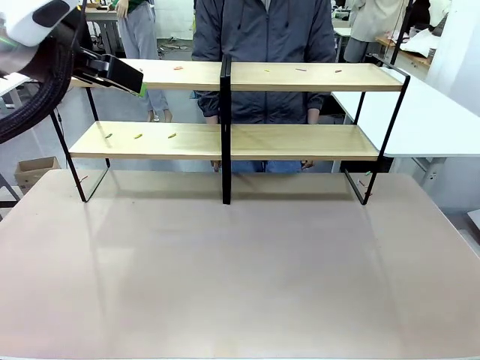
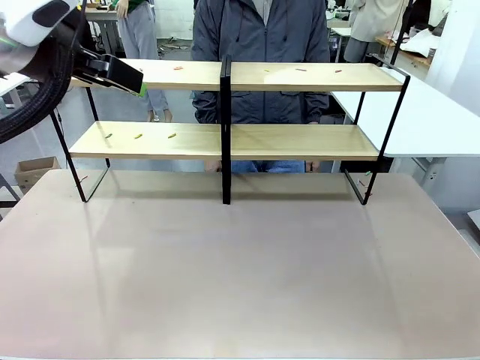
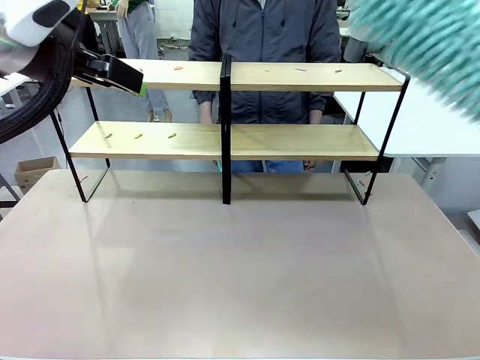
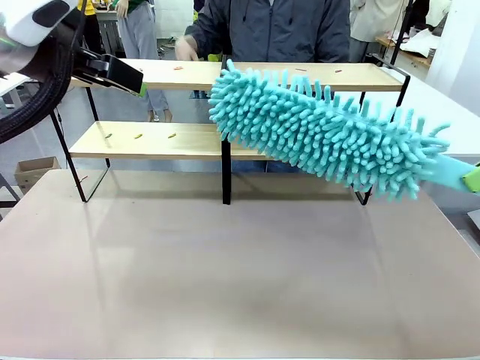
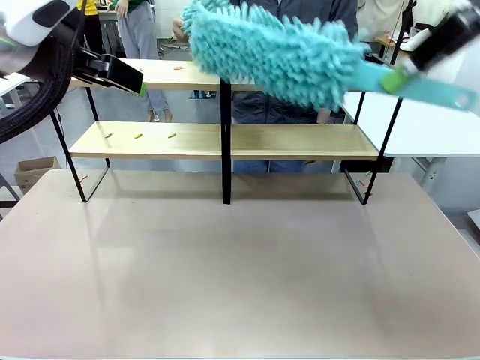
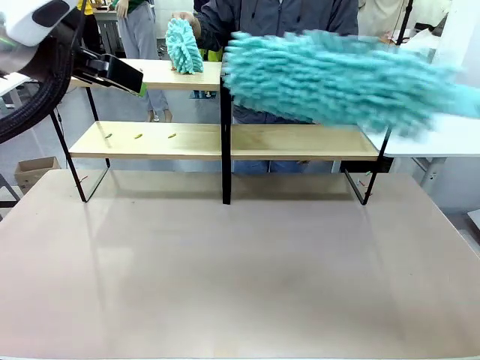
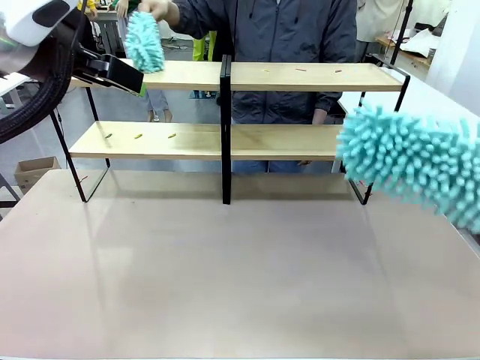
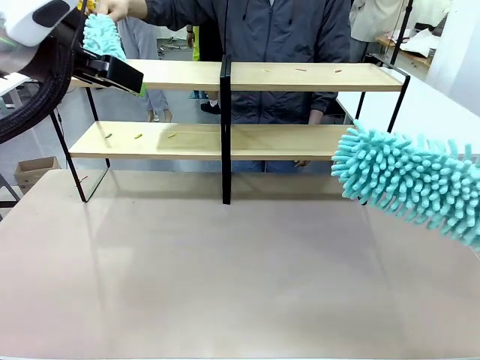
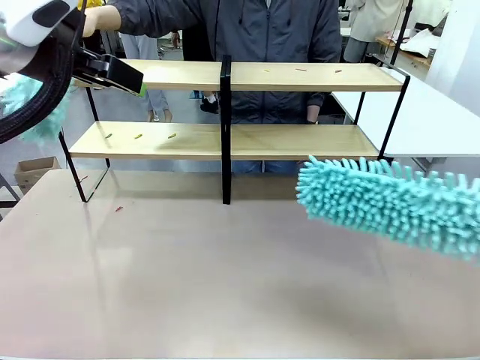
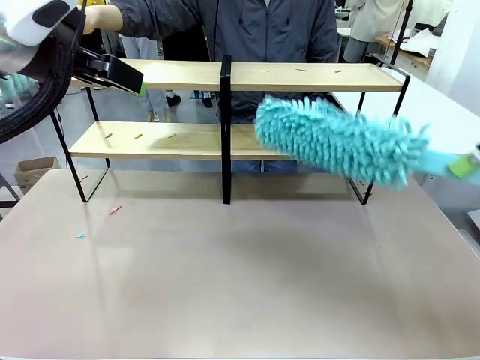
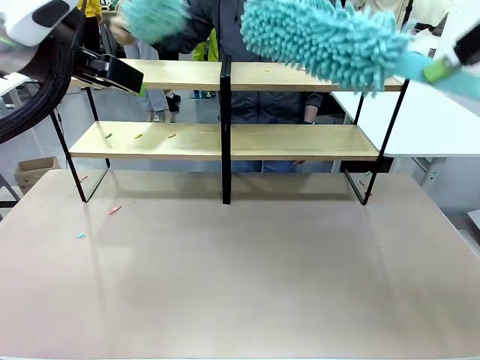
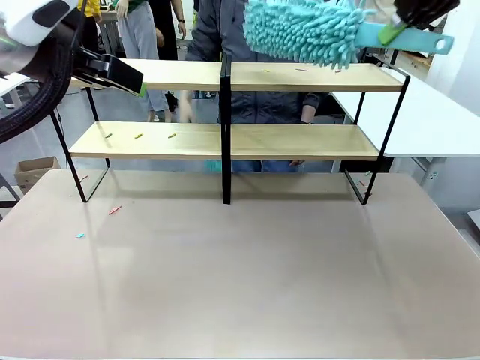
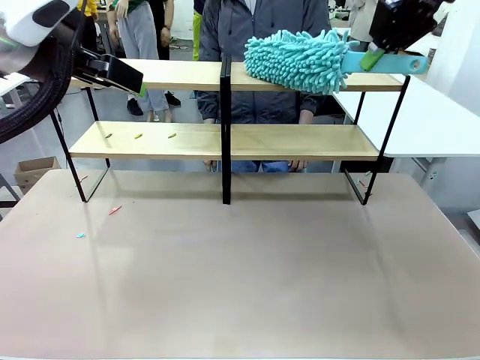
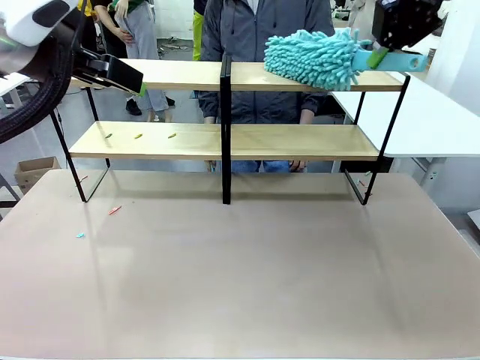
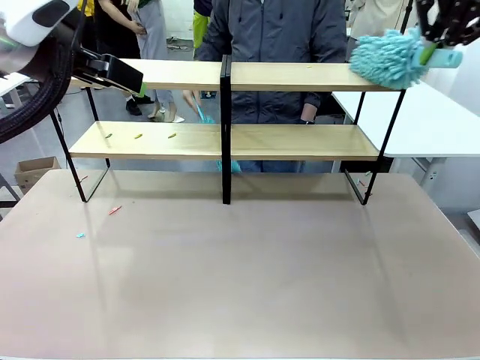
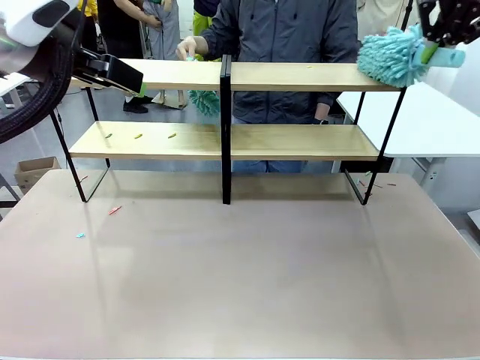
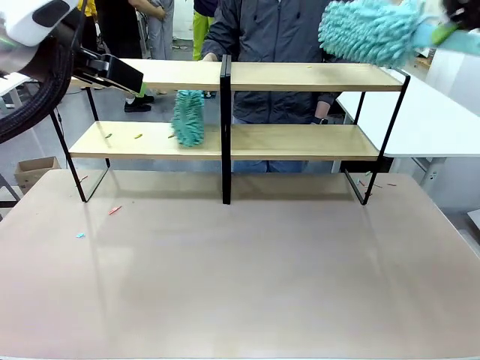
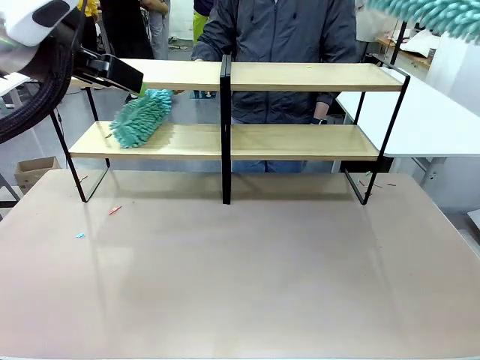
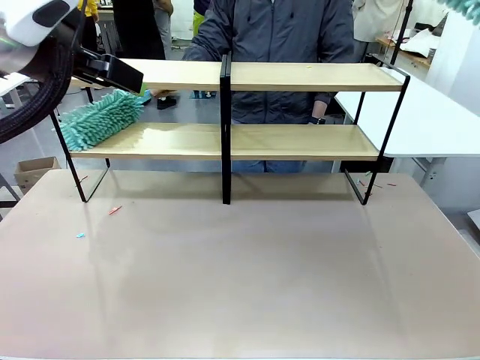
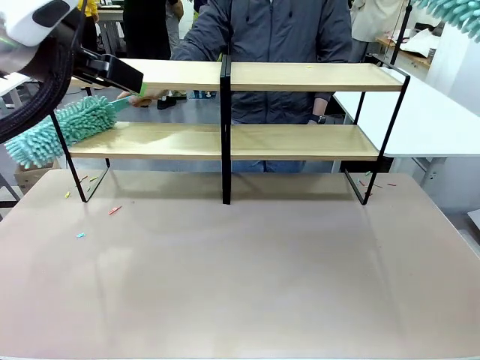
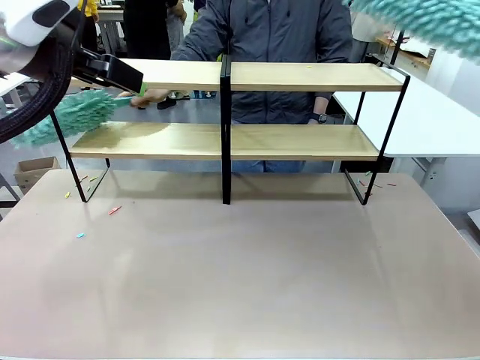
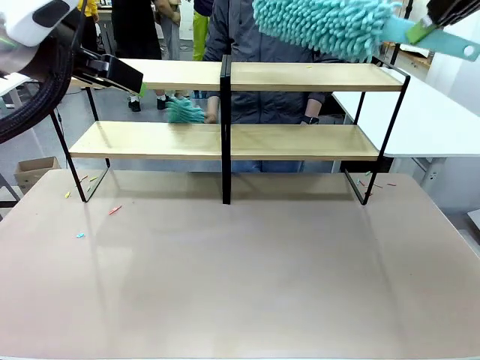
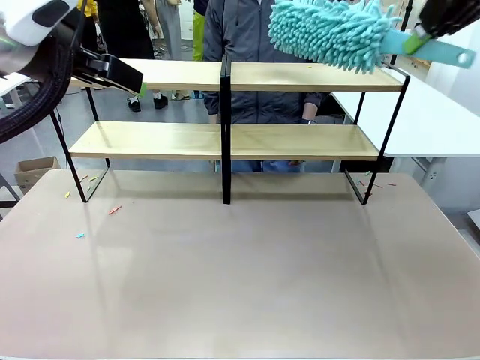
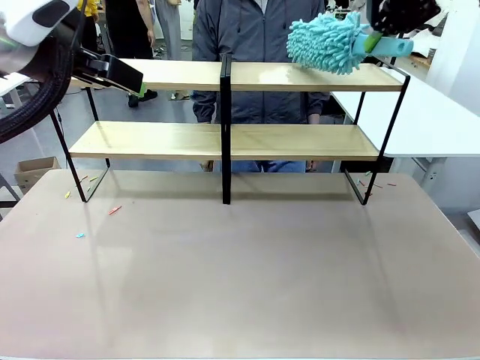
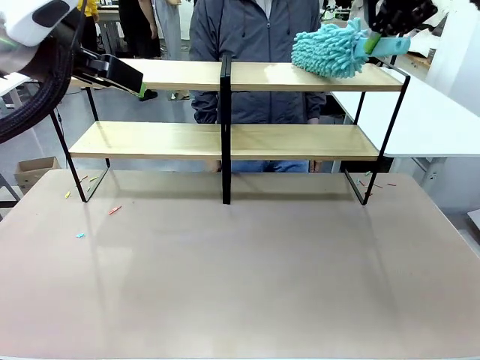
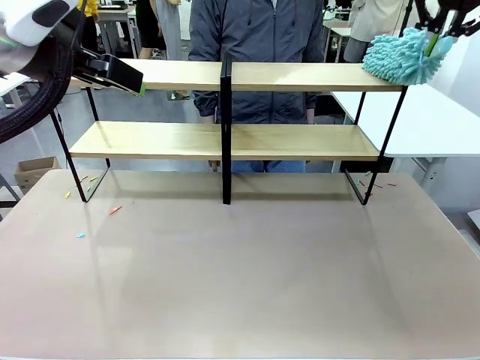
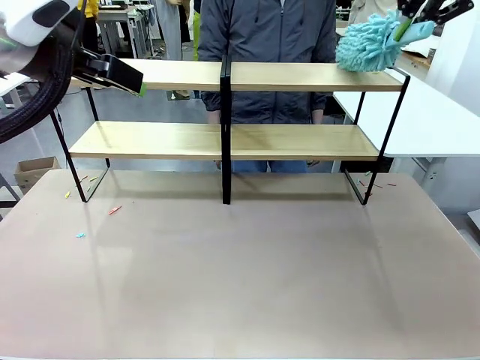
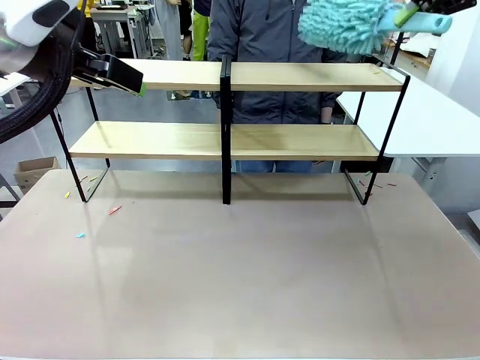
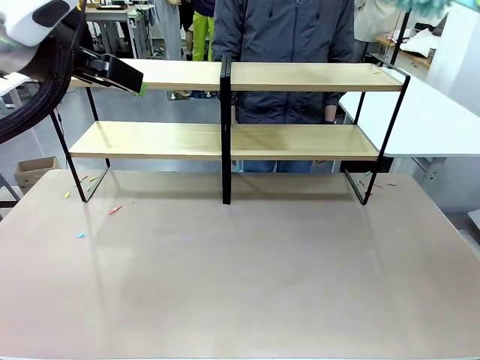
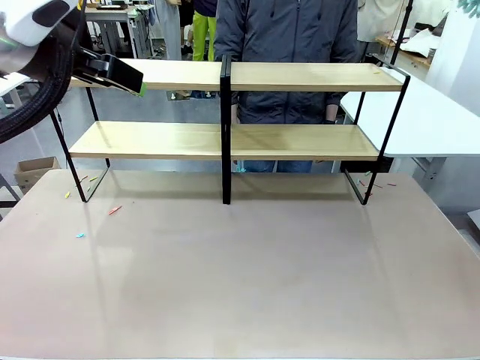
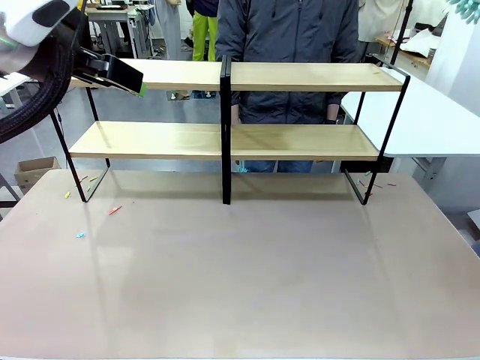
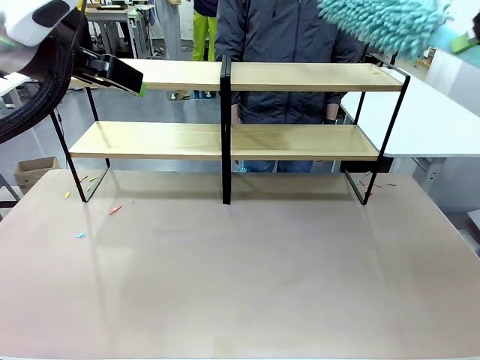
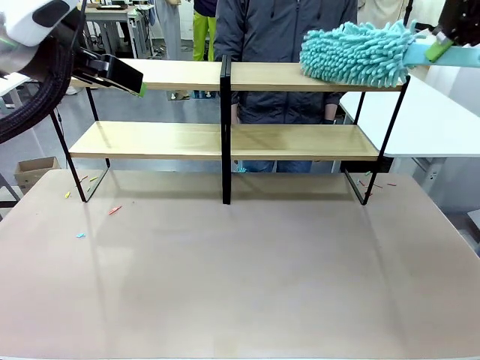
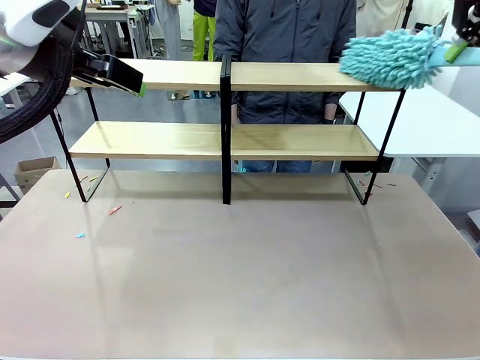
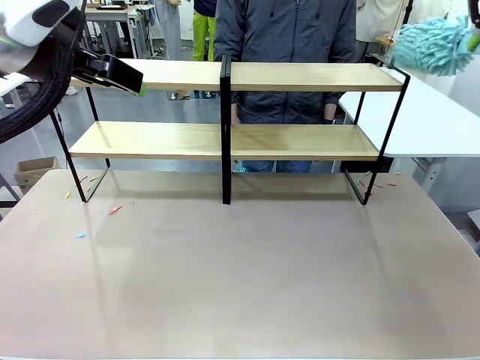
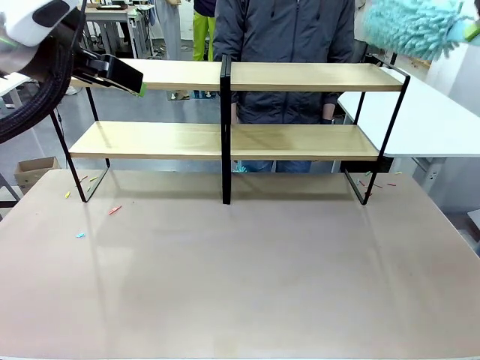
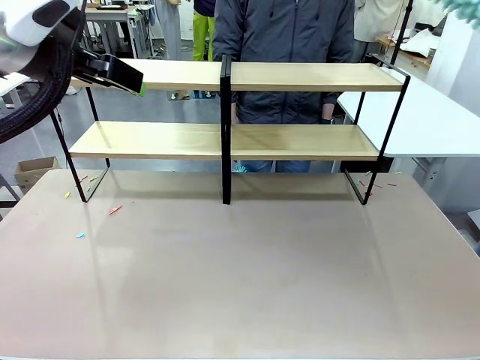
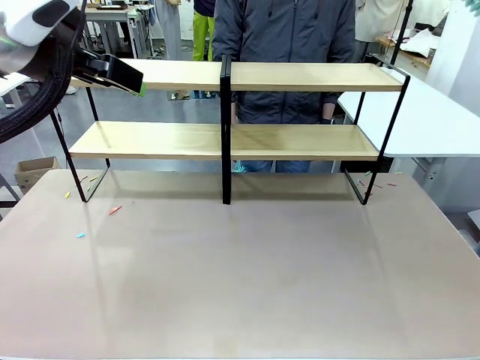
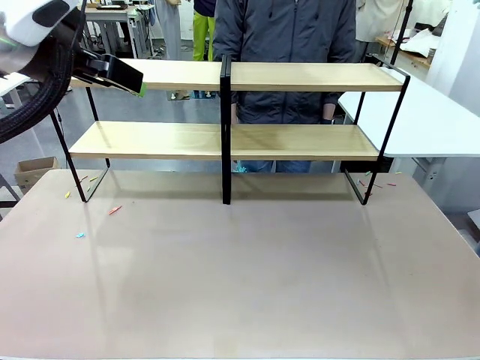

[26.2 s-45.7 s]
Task: Clean the shelves.
Robot: Clean another randomly selected level of the Shelf with the Duster.
Person: Clean a randomly selected level of the Shelf with the Duster.

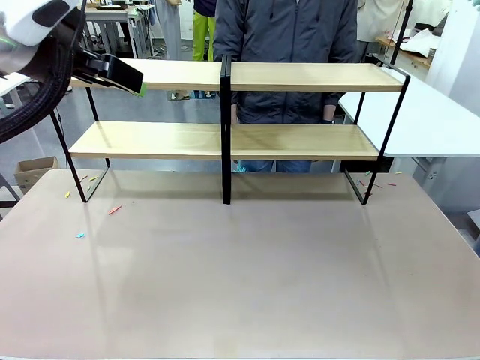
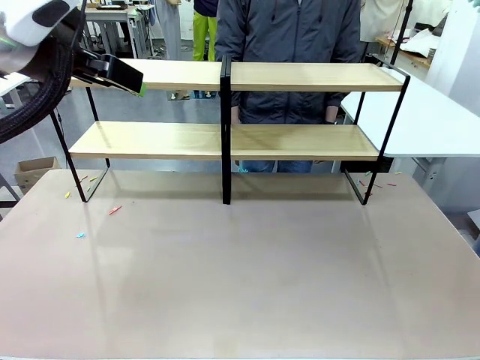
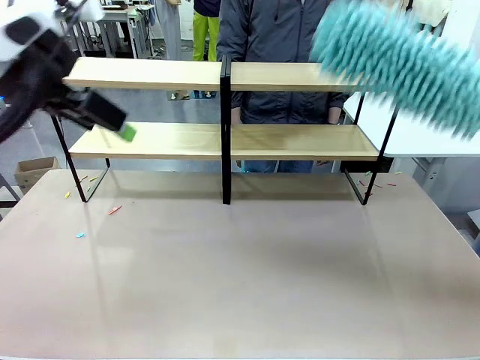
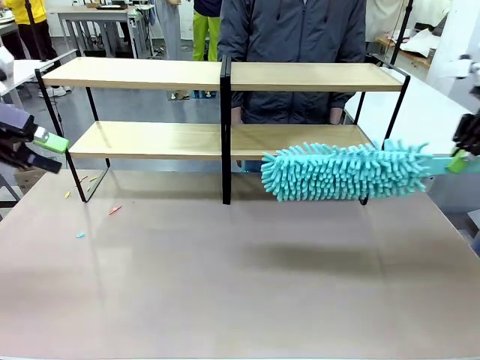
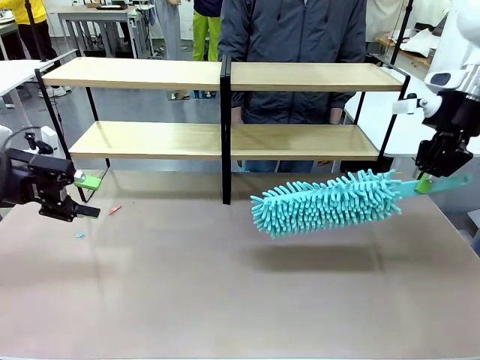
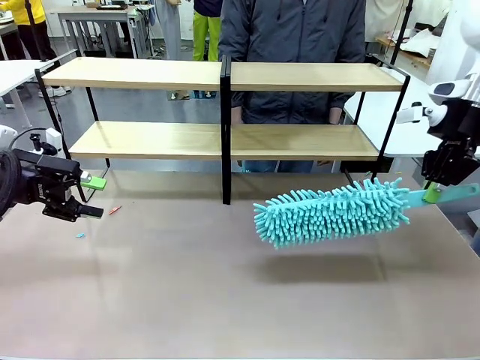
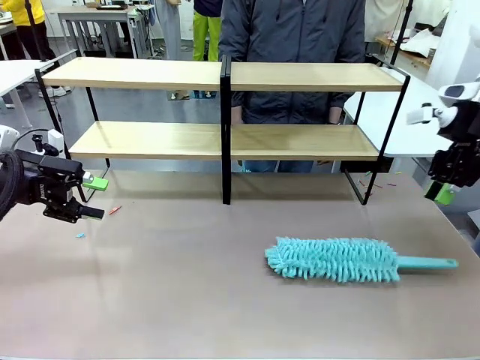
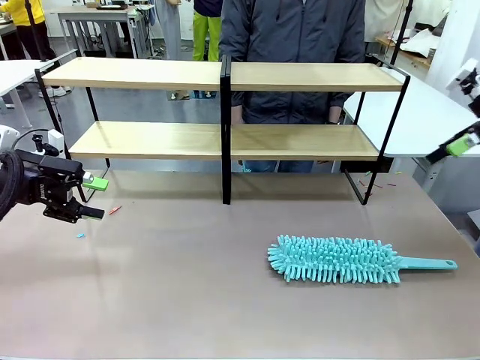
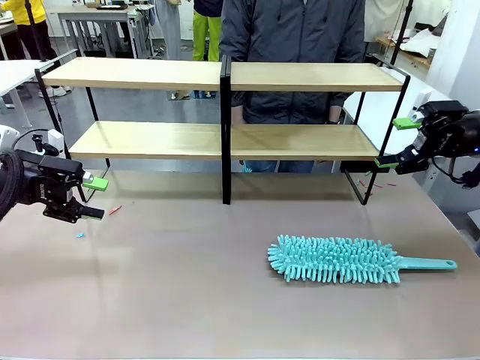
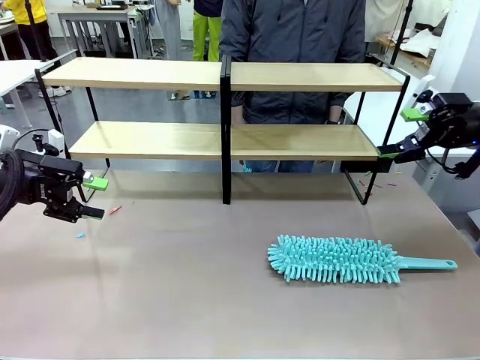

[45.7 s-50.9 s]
Robot: Place the Duster on the table.
